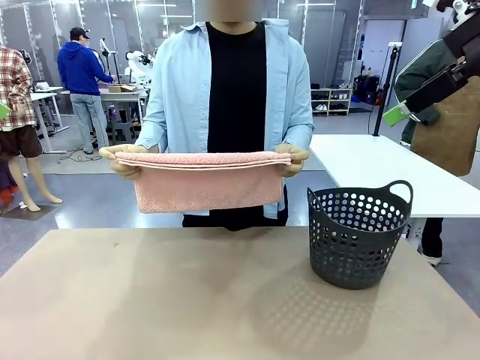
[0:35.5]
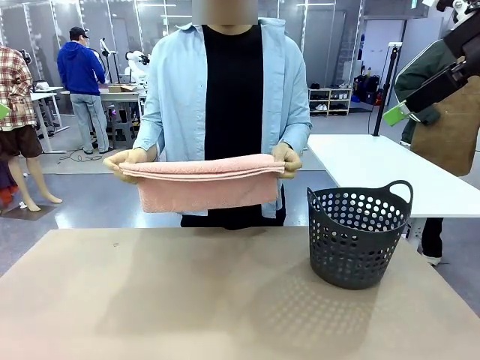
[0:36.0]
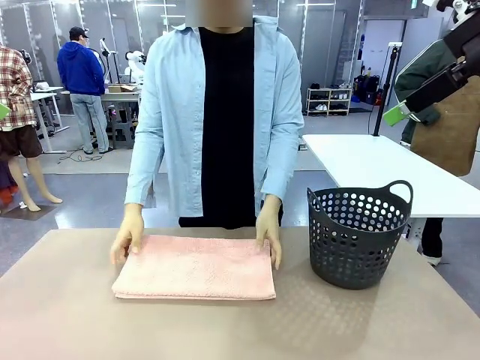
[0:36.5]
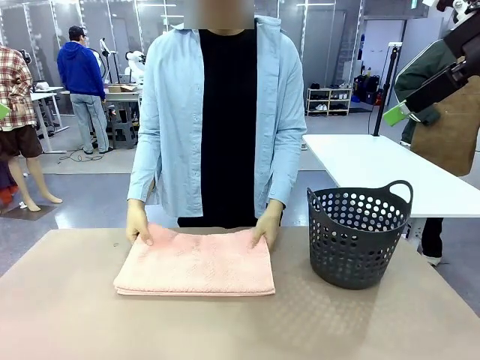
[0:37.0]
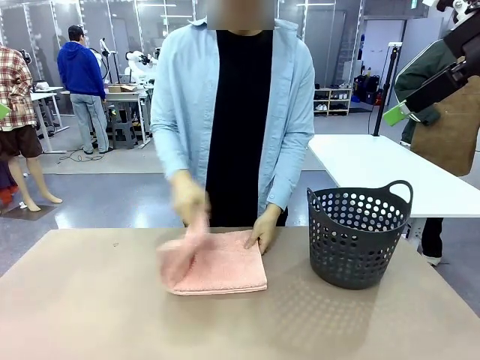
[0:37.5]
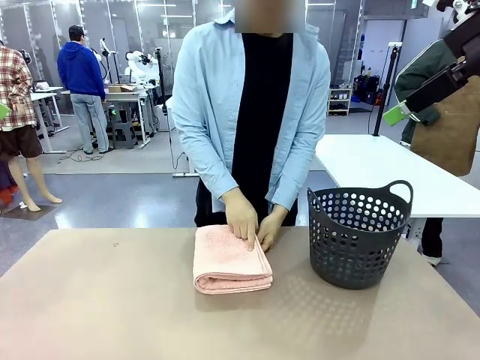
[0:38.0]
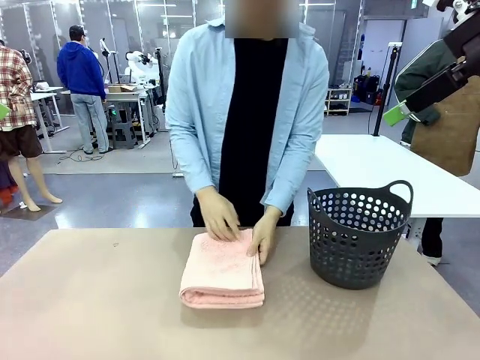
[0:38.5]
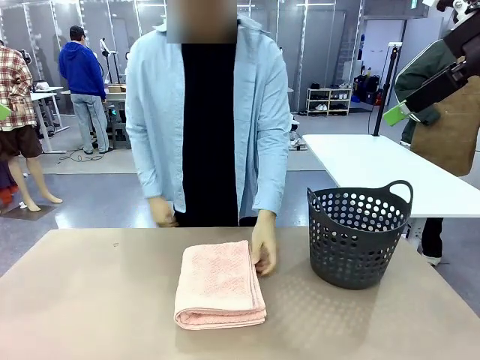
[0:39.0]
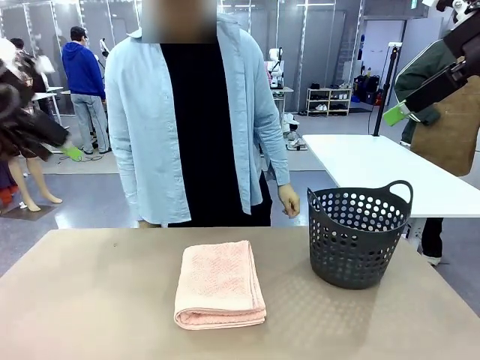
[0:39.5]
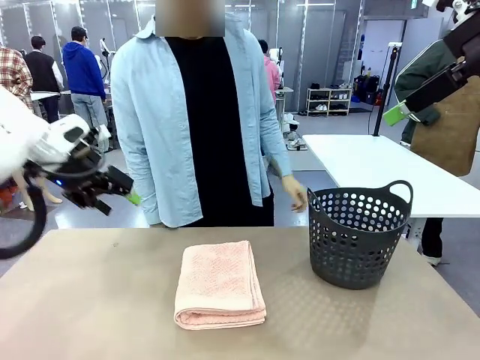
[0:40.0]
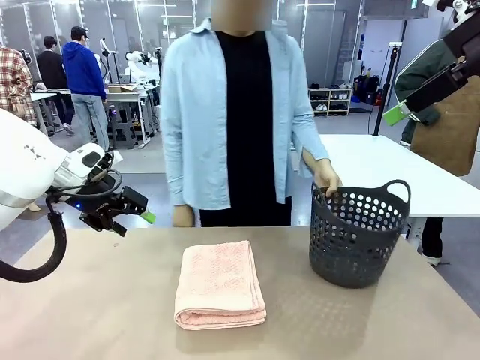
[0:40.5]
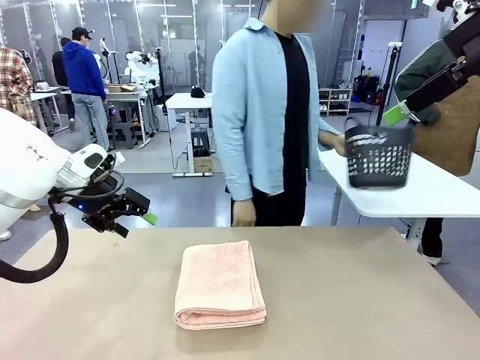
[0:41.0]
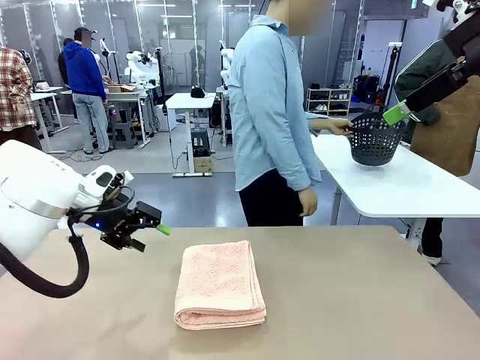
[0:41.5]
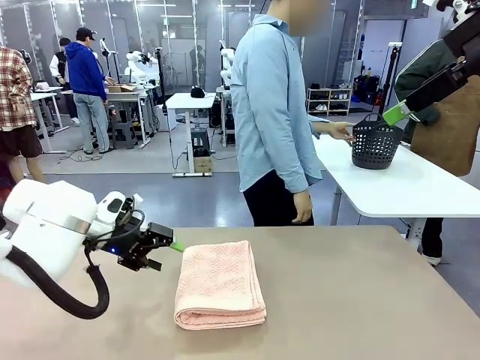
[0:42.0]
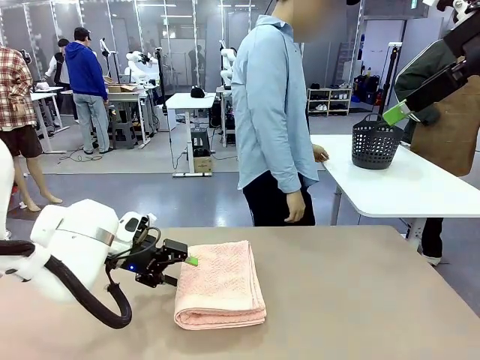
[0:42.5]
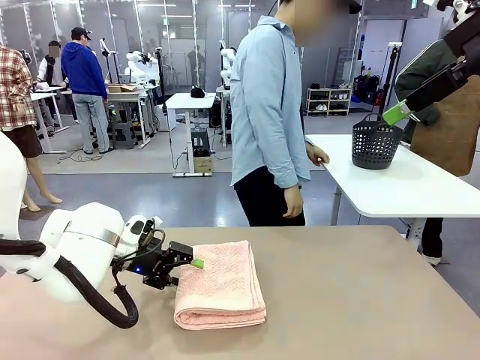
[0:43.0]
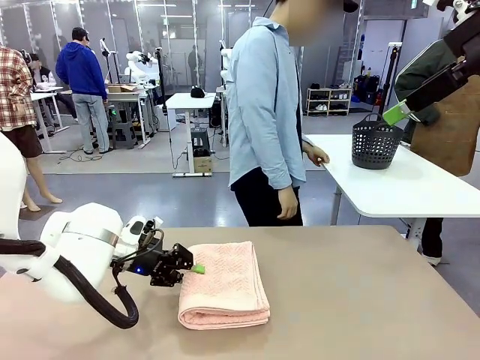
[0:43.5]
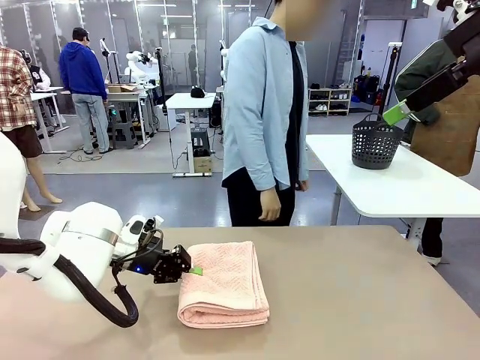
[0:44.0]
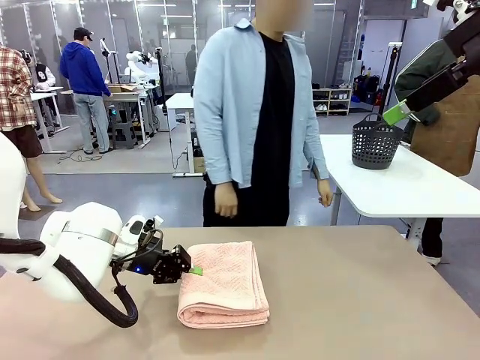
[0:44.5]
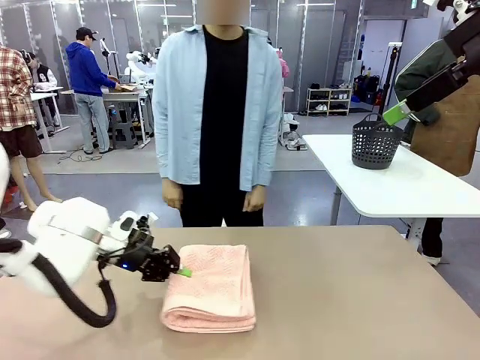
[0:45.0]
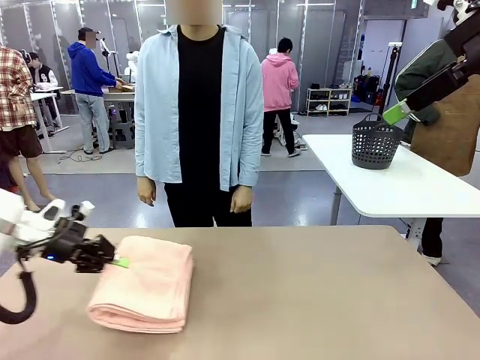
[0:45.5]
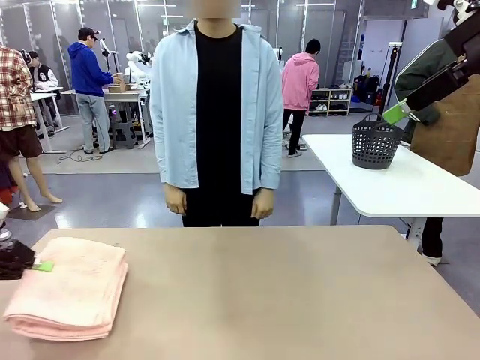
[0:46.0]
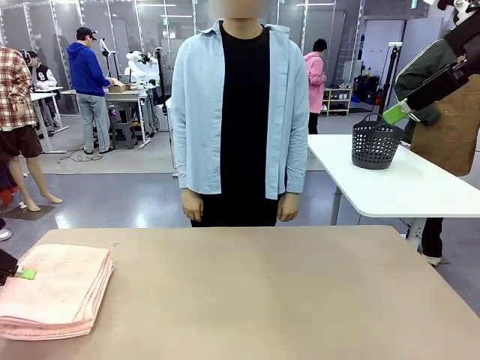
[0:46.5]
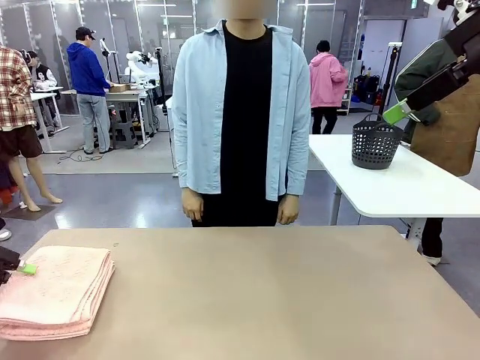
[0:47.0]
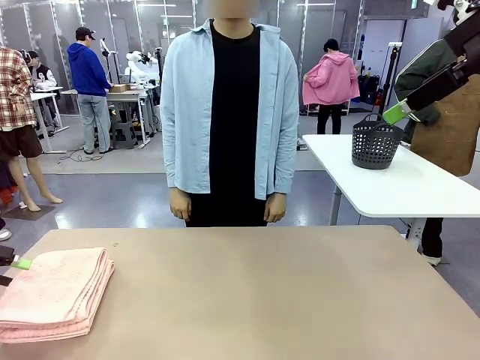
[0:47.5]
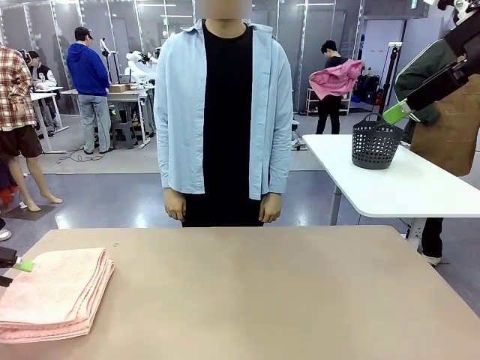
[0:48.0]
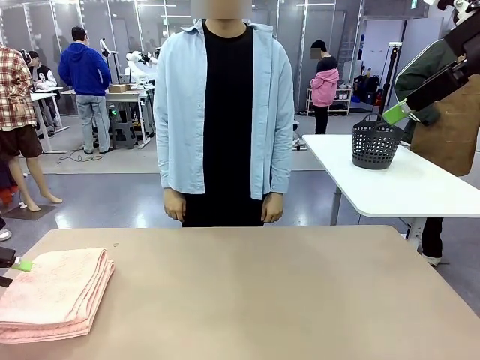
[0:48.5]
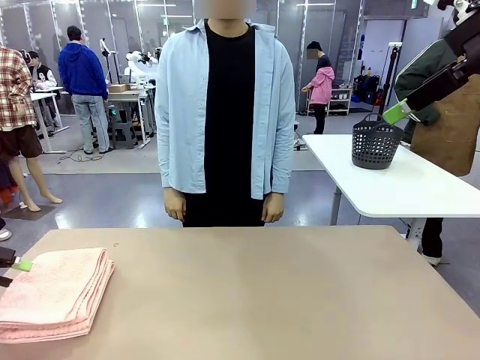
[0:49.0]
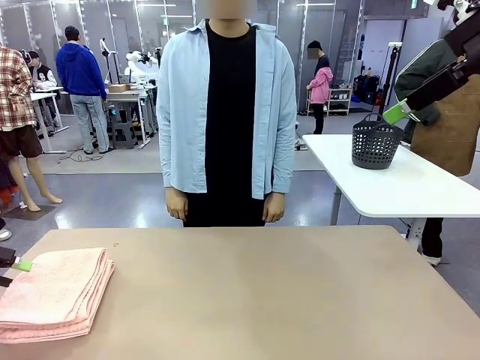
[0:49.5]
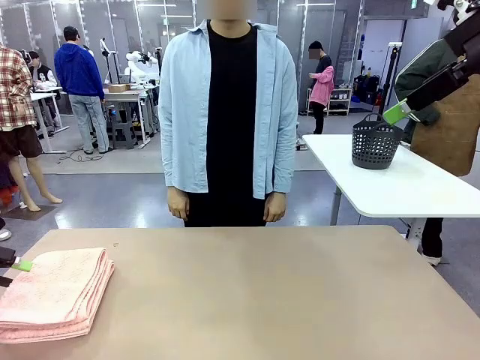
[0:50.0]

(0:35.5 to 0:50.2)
Task: Fold the towel.
Robot: Pick up the 100 cm Hotel Towel and place it on the left side of the table.
Person: Place the towel at the center of the robot table and fold it in half. Pick up the laundry basket and place it at the center of the human table.

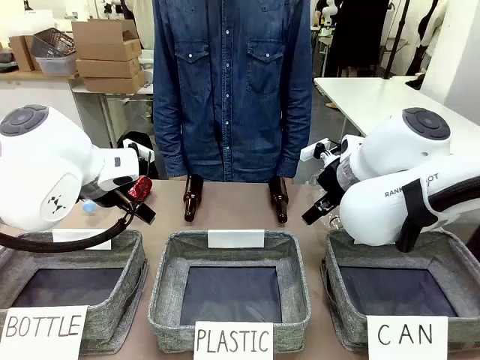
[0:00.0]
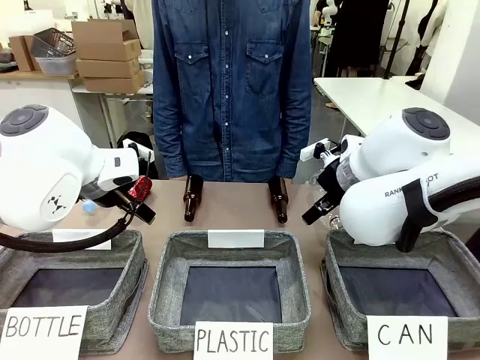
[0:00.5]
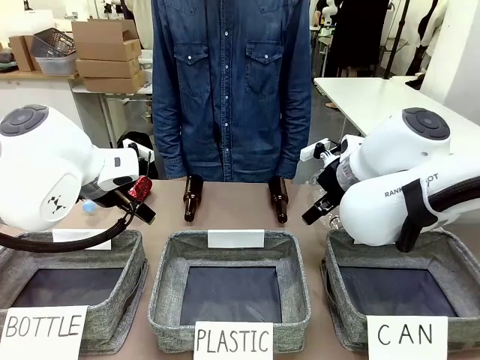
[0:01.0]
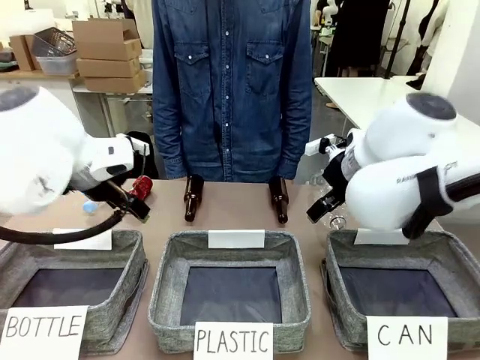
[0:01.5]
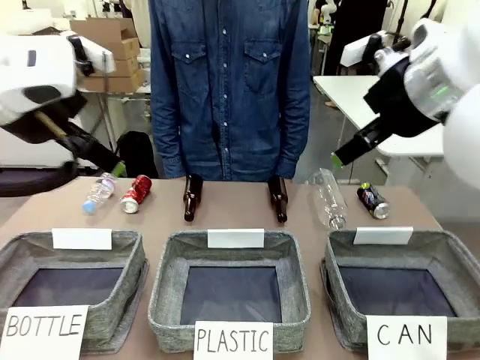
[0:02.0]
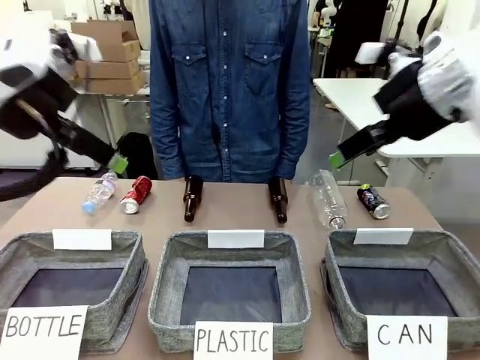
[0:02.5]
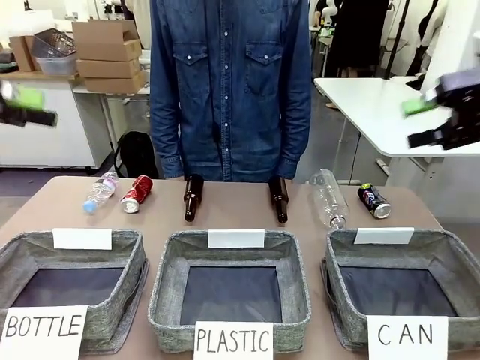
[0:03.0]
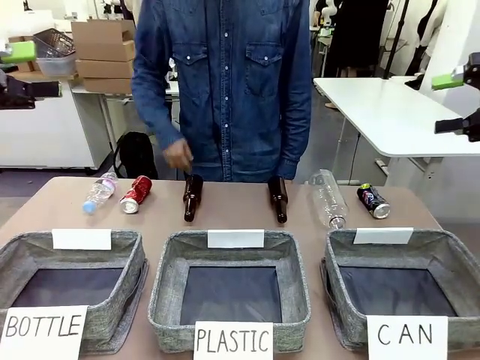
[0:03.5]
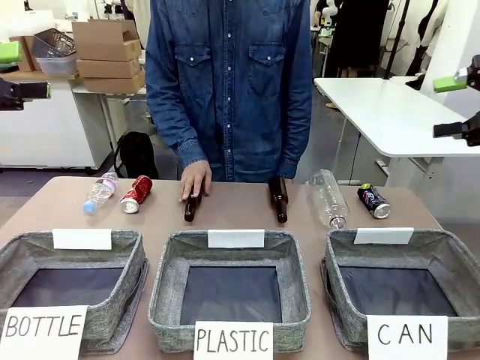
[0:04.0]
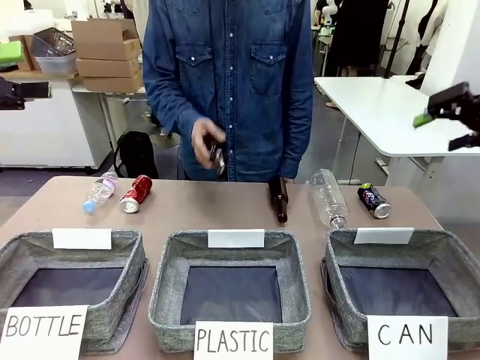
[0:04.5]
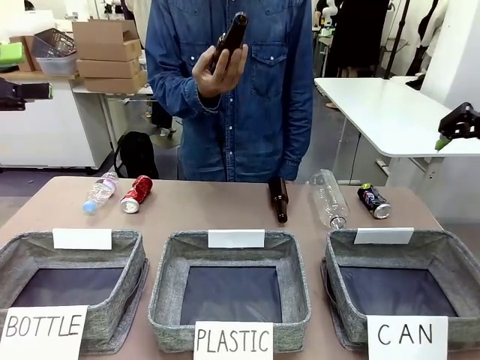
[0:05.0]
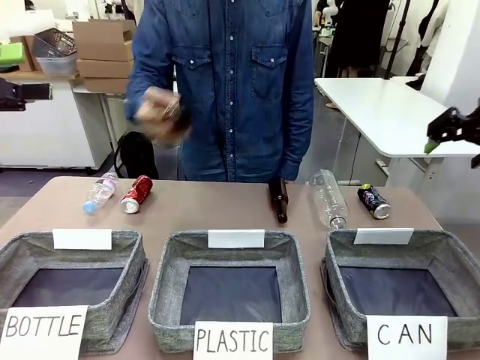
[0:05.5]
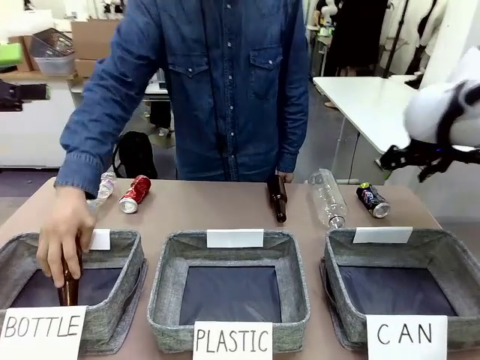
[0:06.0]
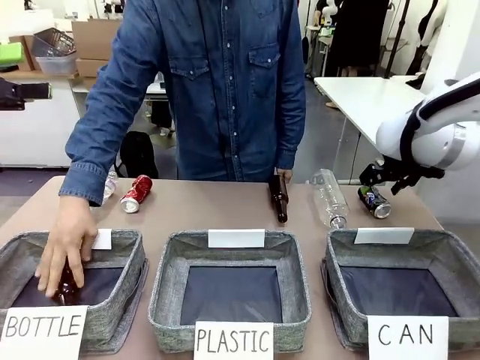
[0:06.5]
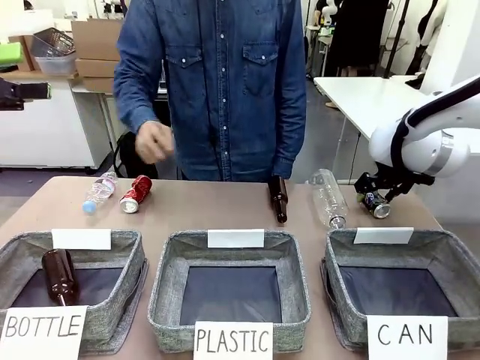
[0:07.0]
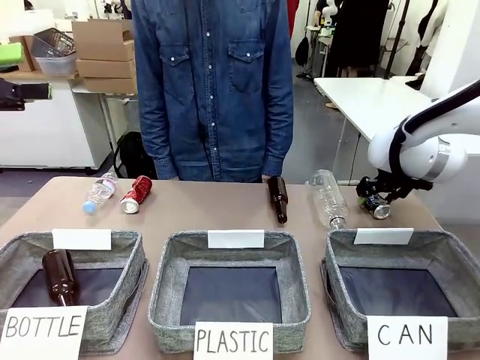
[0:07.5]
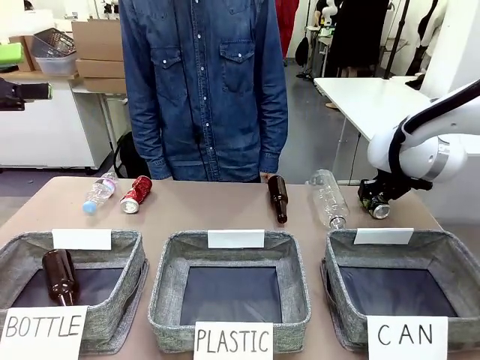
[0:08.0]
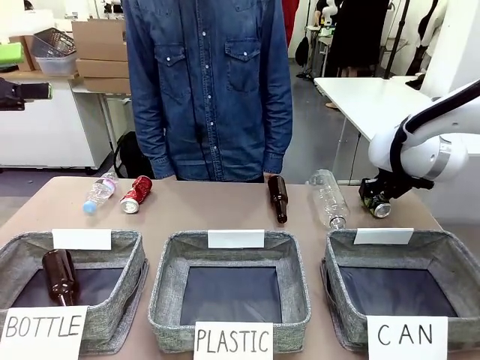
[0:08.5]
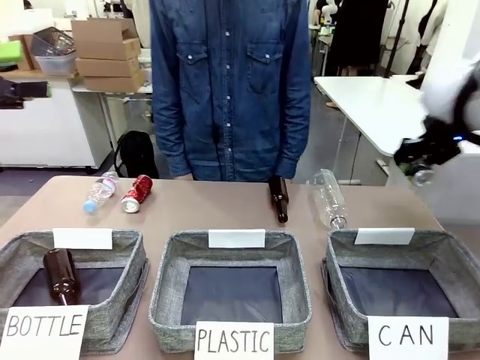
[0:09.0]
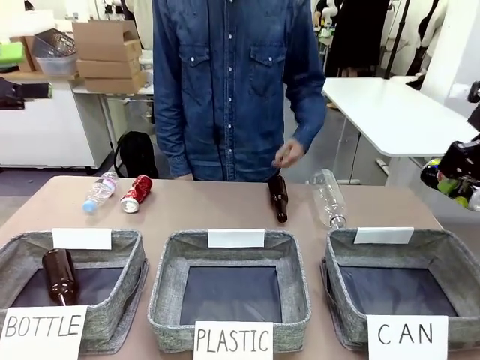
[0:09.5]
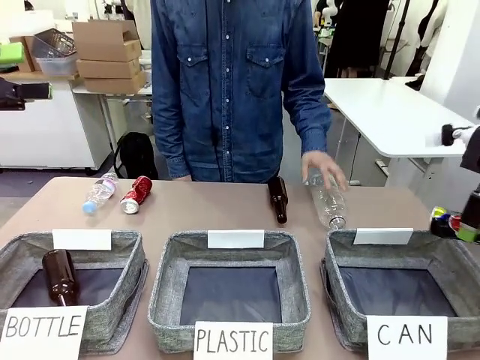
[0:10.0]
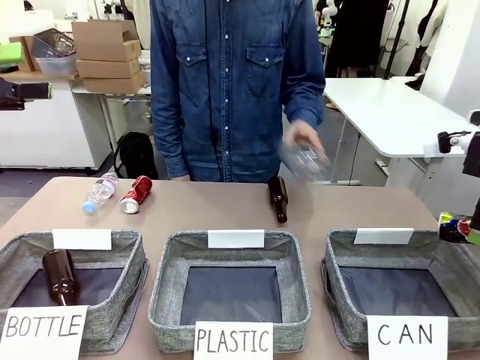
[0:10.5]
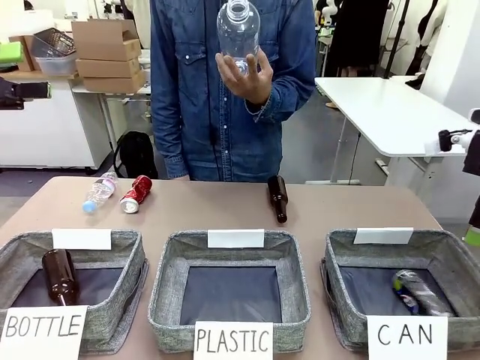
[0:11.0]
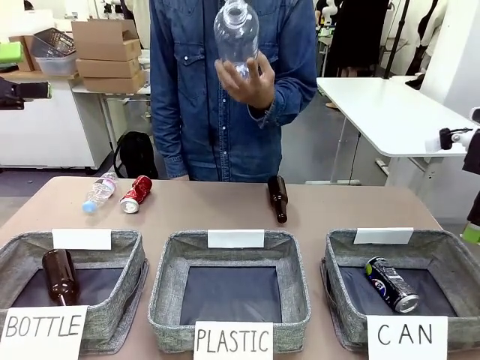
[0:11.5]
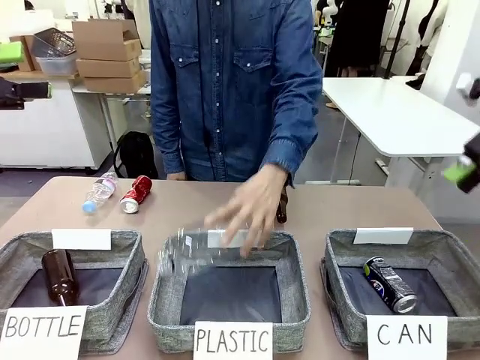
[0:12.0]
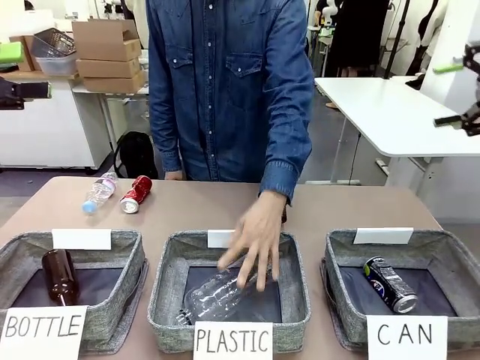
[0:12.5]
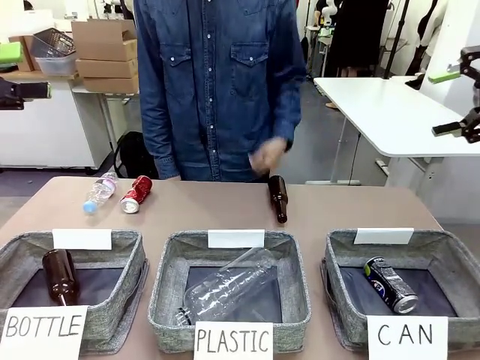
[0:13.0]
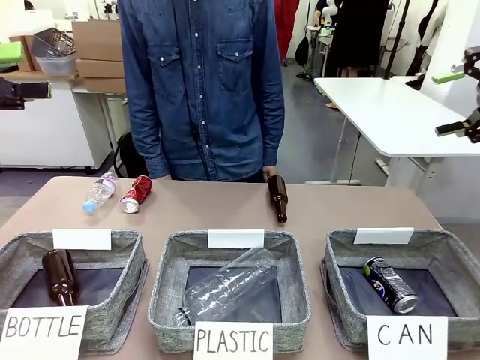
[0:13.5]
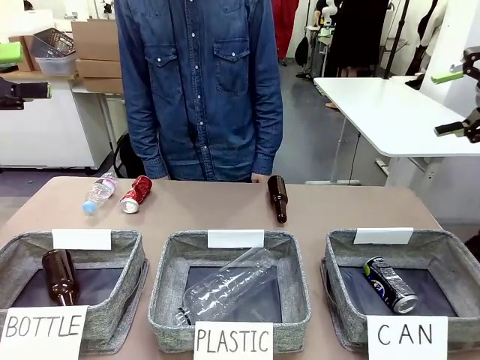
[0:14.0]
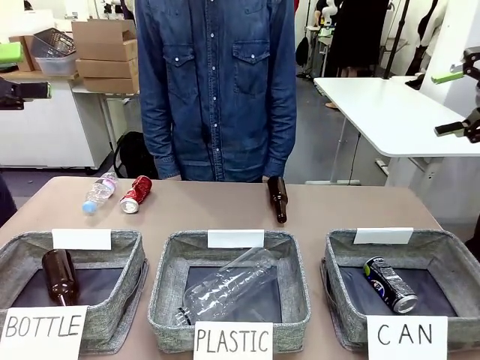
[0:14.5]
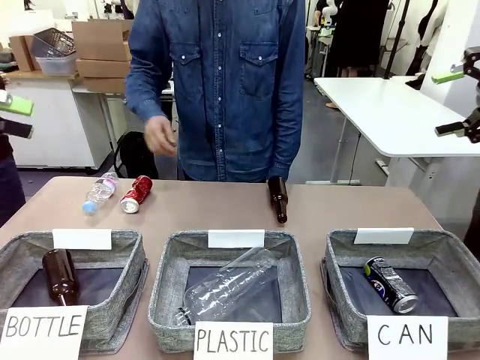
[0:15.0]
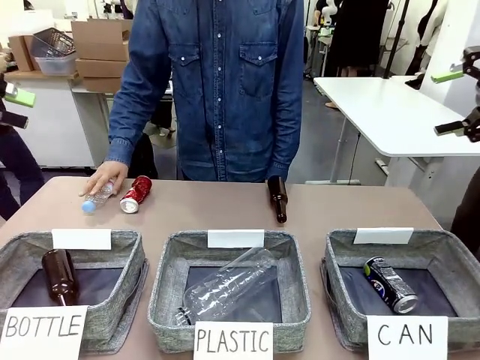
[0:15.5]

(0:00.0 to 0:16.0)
Task: Sort the can waste into the basket.
Robot: Pick up the can waste from the table and place it in the right Fabric basket.
